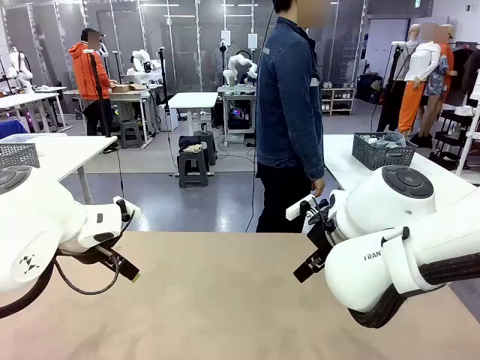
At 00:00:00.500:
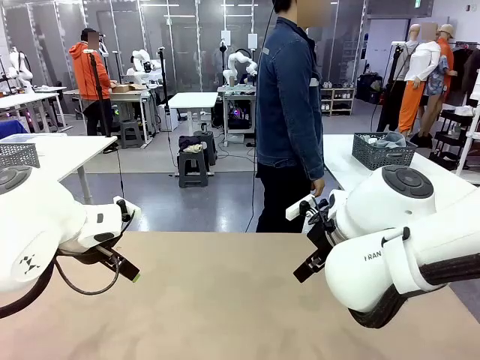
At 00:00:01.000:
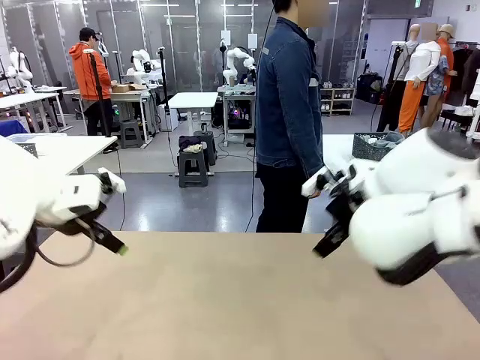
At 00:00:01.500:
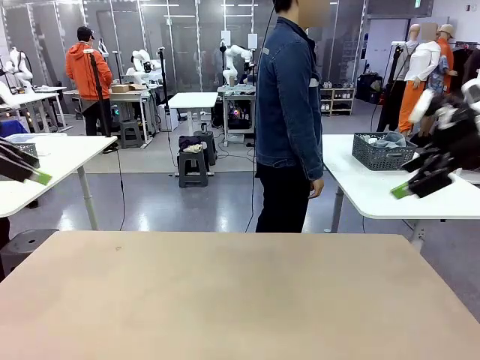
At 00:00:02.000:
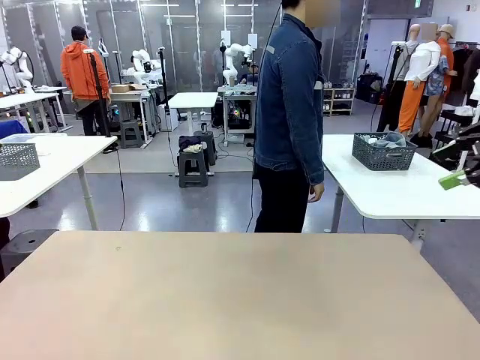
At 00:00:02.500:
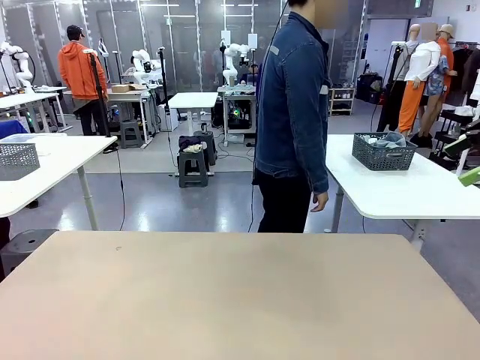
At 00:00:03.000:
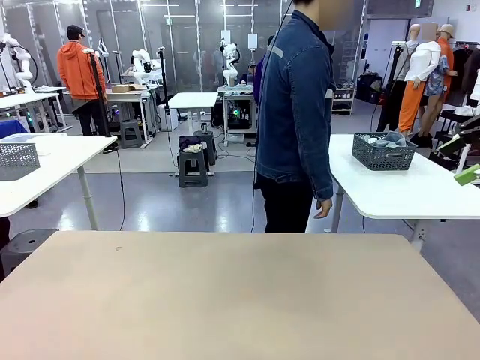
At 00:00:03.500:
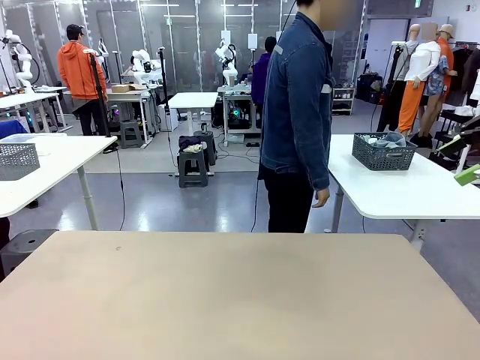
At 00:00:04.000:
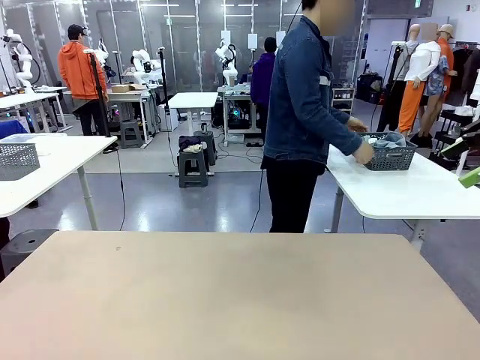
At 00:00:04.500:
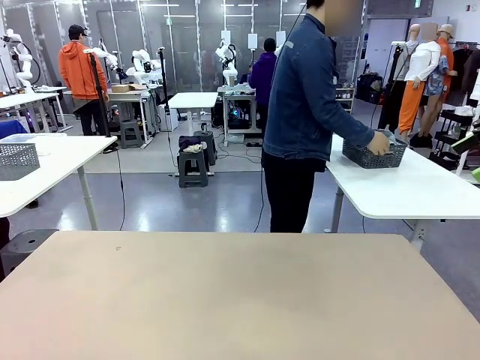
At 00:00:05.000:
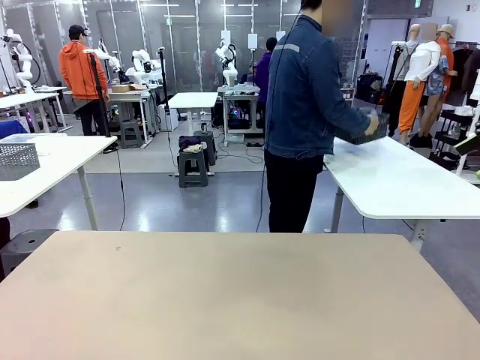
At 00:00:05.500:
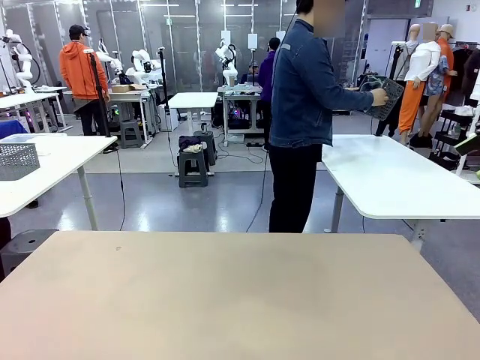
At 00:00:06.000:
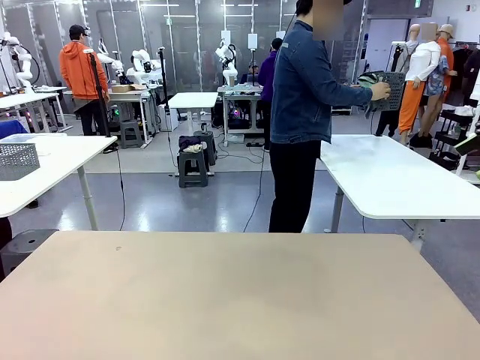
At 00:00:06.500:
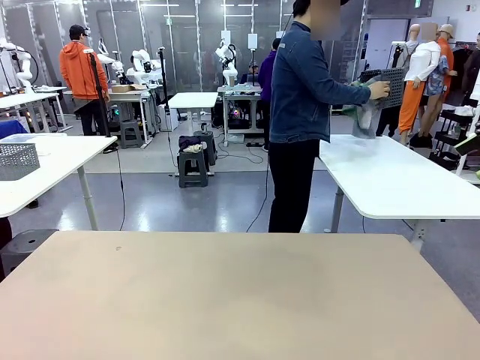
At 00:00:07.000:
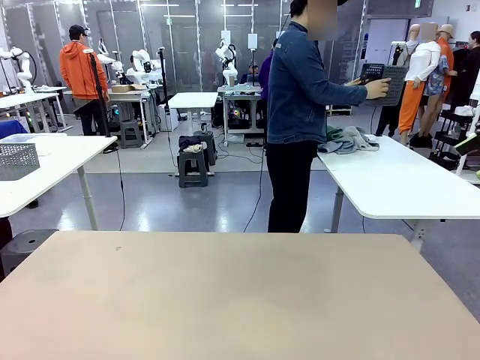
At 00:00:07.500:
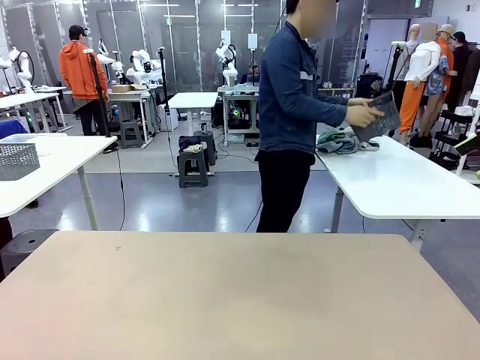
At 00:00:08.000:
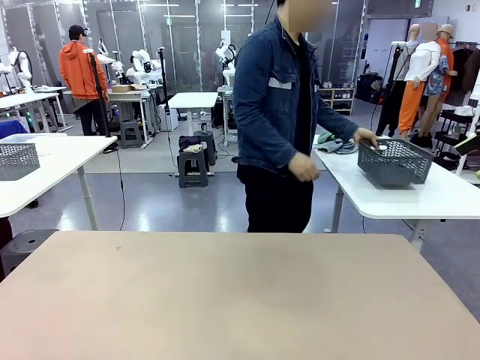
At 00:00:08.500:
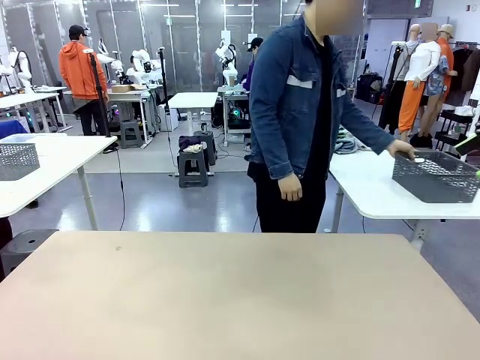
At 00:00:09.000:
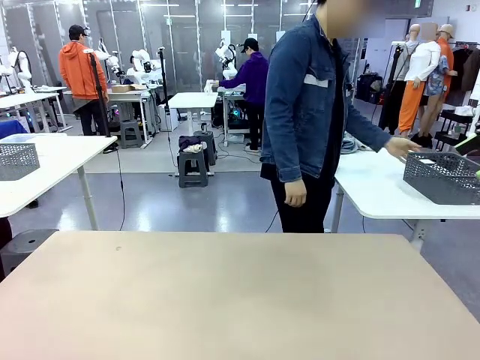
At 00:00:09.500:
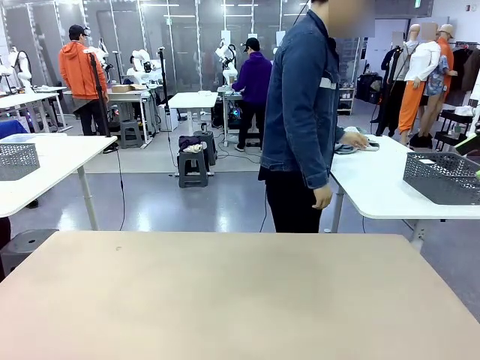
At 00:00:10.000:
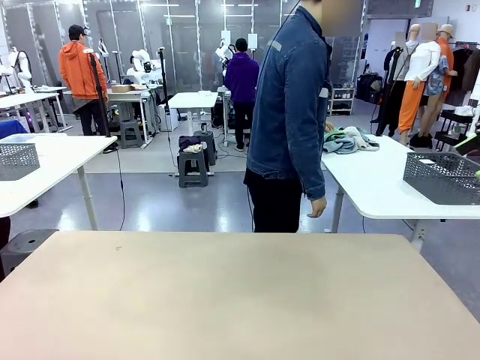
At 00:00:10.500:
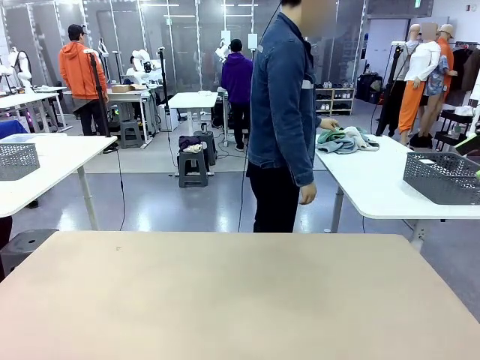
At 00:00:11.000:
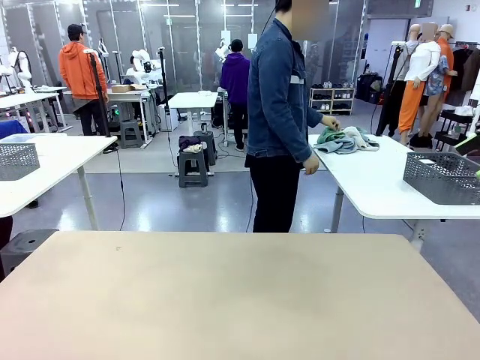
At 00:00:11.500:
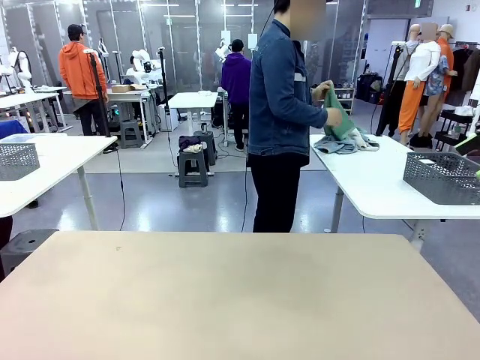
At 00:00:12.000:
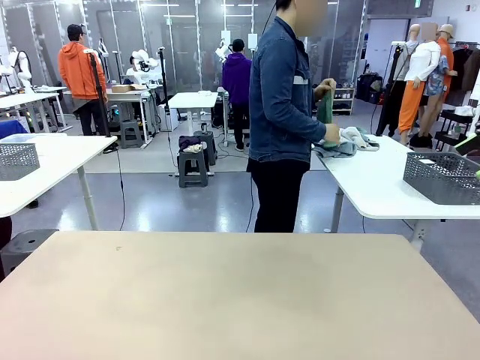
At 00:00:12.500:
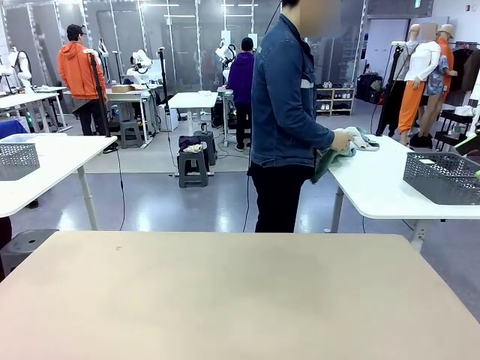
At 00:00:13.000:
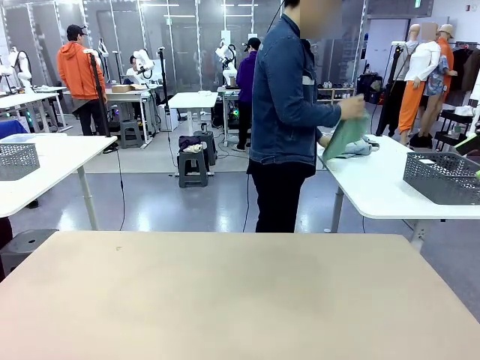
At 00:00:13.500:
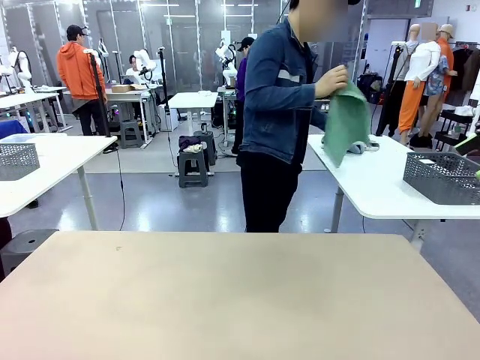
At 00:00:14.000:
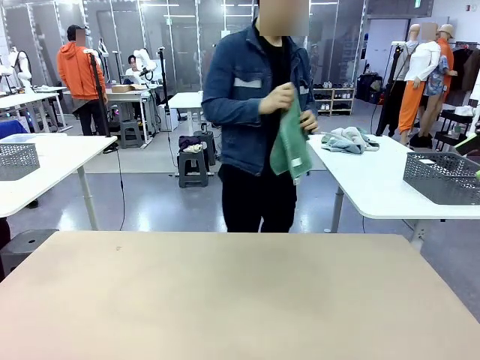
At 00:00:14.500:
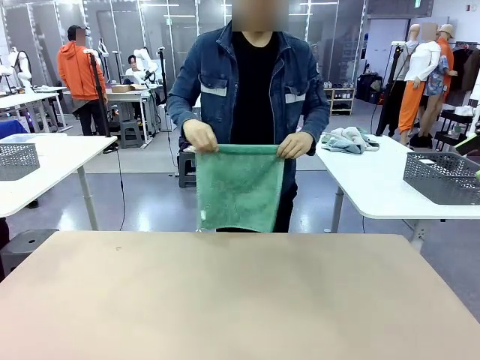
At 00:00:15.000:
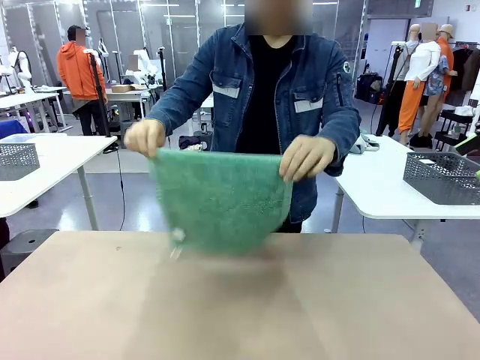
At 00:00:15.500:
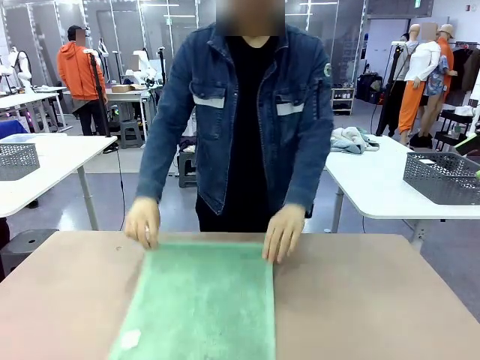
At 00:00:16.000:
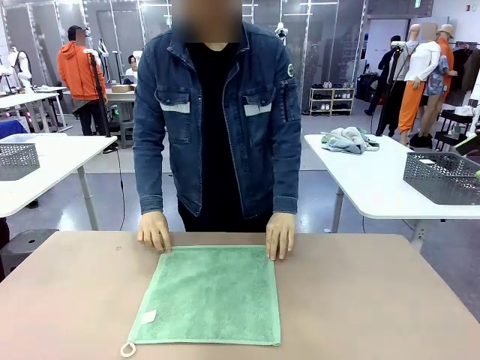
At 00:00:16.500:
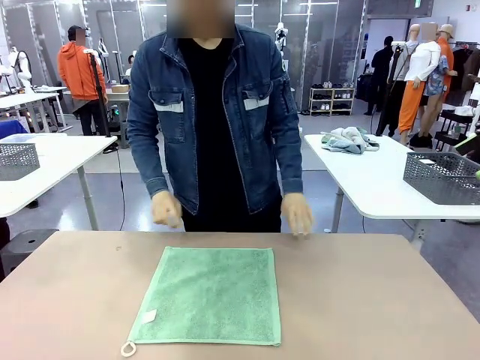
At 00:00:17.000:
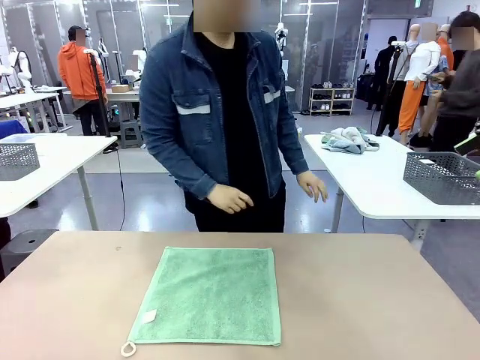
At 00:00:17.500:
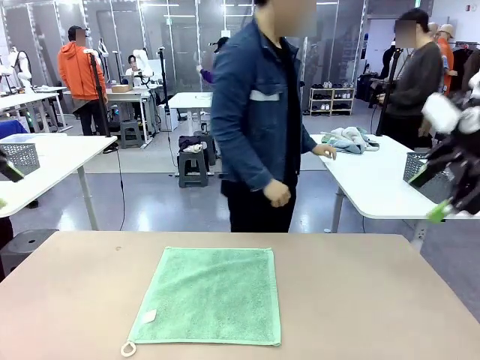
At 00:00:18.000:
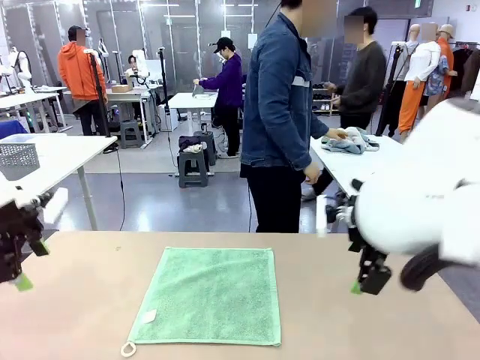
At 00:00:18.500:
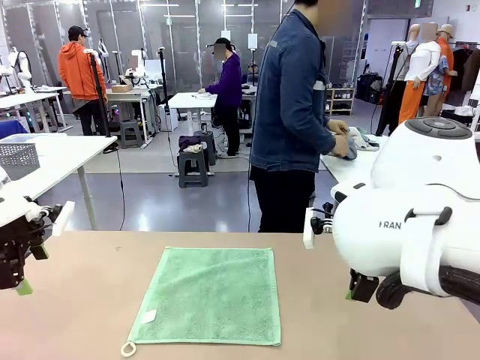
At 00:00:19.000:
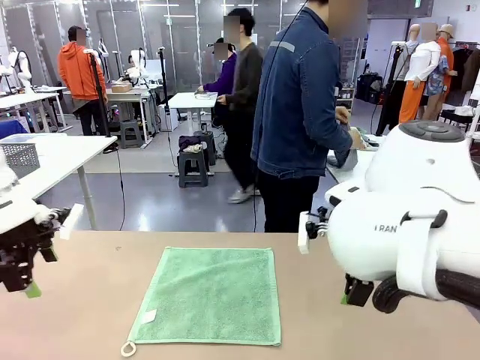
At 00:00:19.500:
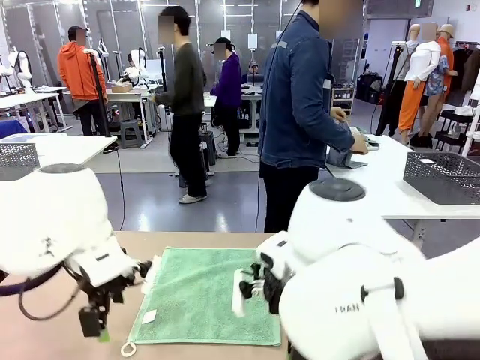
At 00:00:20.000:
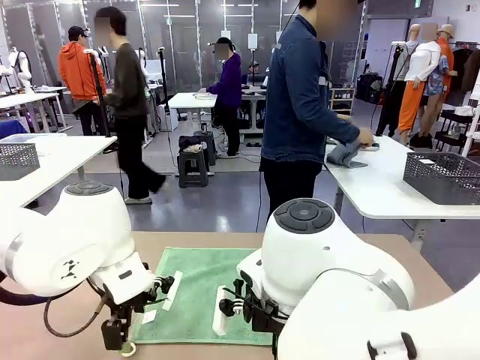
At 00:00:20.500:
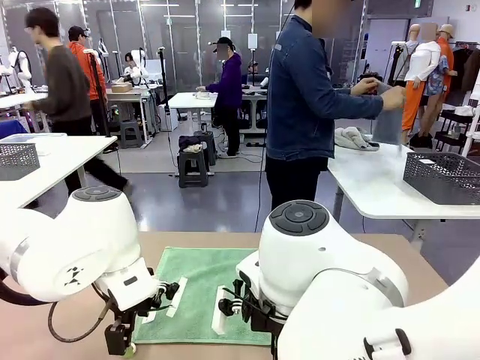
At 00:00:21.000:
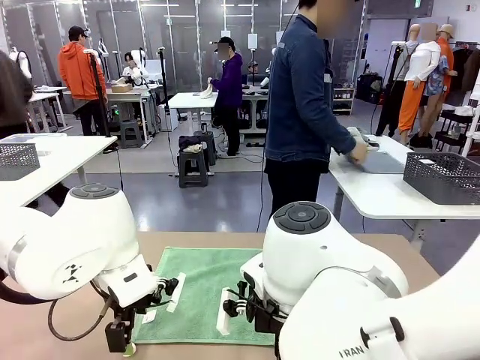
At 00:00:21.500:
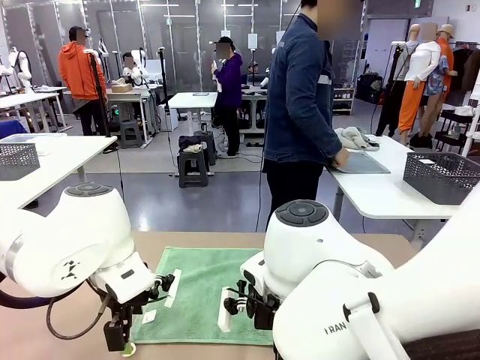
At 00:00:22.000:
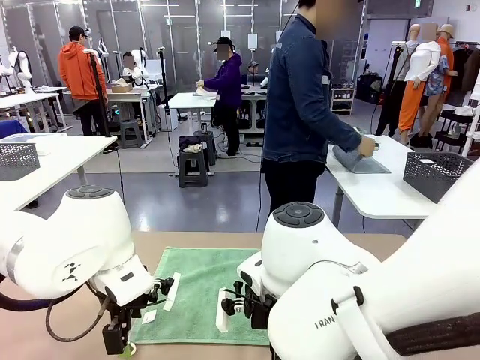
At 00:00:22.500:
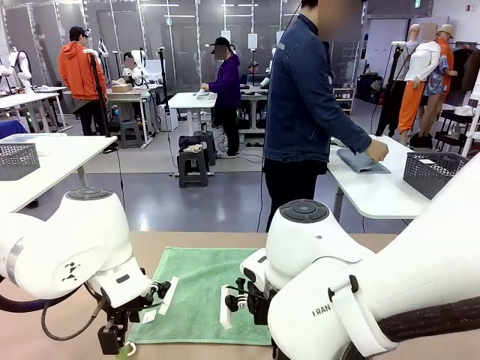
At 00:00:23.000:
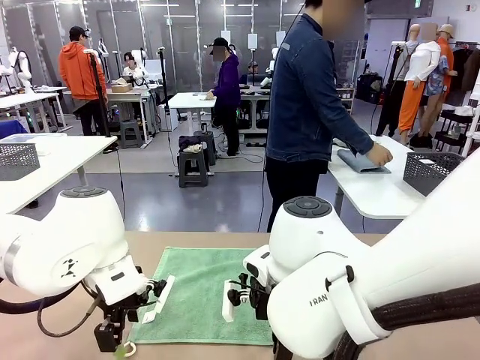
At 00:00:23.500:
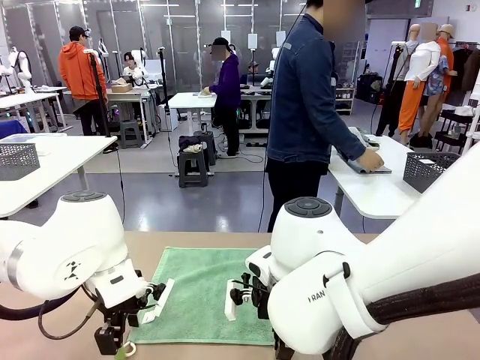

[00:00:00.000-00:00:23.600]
Task: Fold the towels and place them in the basket.
Robot: When a person lays out a Towel with hook on the table, fold it in half twice.
Person: Pick up the basket, pour the towels onto the left side of the human table, and place the basket on the right side. Pick up one towel and spread it out at the center of the robot table. Pick up one towel from the left side of the human table, fold it in half twice, and place it on the right side of the table.
